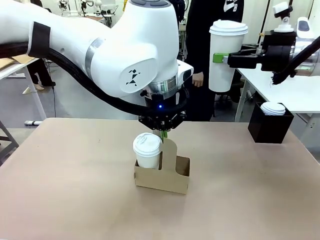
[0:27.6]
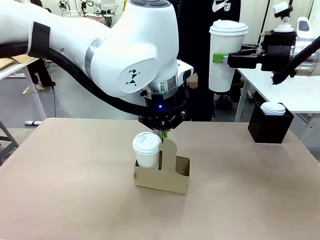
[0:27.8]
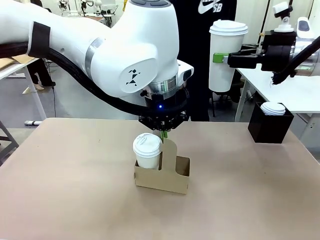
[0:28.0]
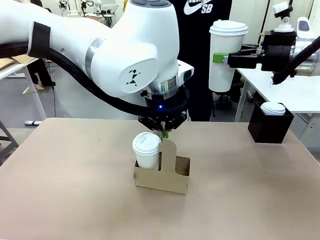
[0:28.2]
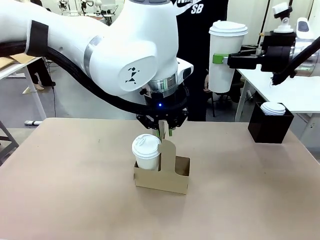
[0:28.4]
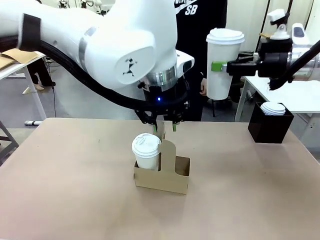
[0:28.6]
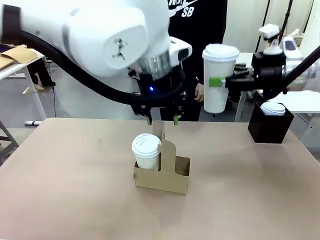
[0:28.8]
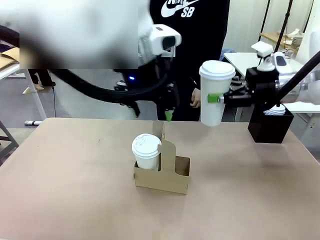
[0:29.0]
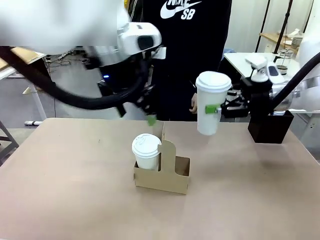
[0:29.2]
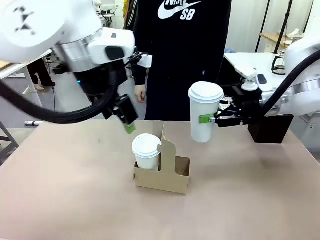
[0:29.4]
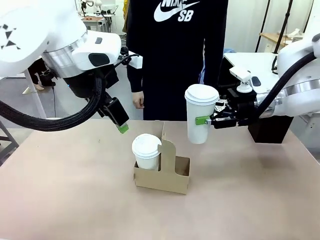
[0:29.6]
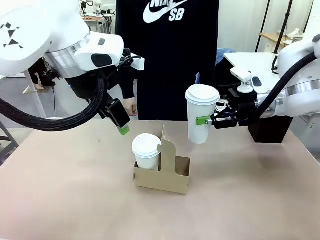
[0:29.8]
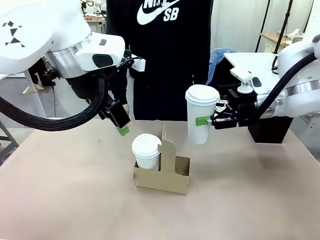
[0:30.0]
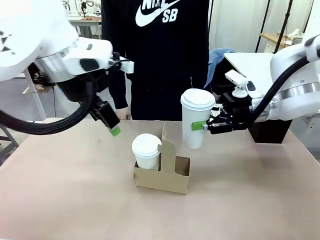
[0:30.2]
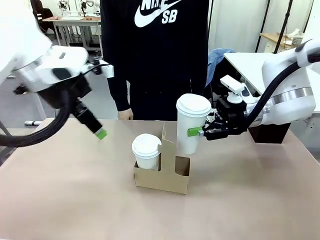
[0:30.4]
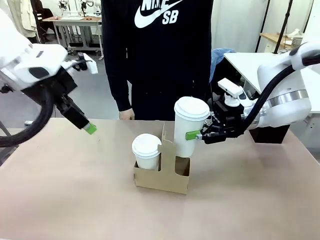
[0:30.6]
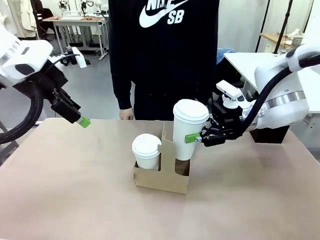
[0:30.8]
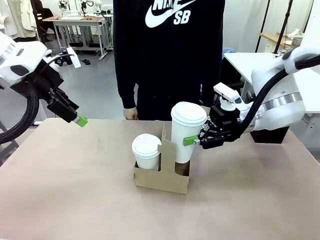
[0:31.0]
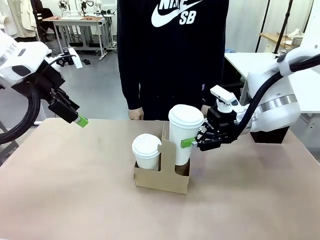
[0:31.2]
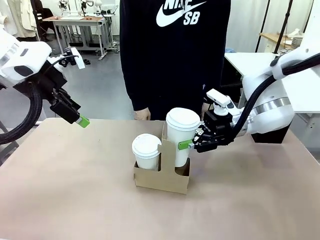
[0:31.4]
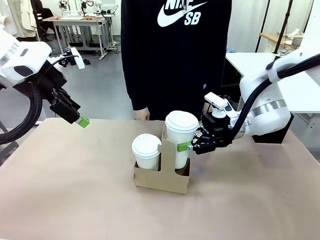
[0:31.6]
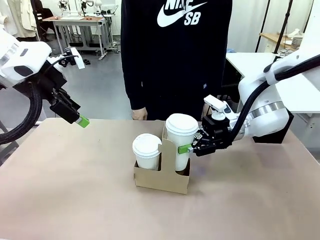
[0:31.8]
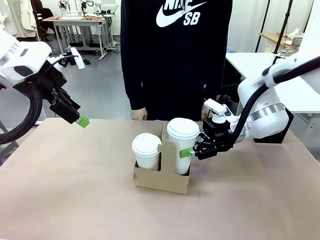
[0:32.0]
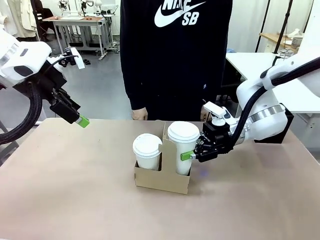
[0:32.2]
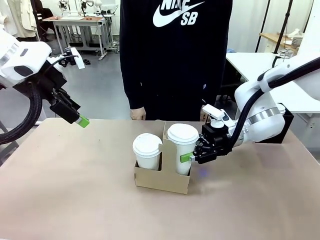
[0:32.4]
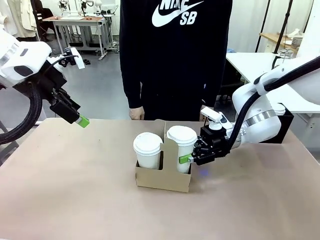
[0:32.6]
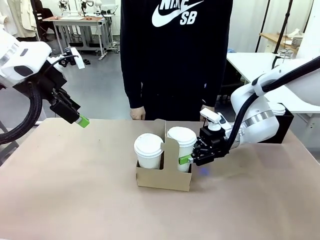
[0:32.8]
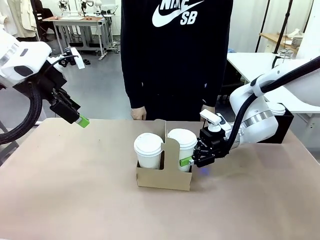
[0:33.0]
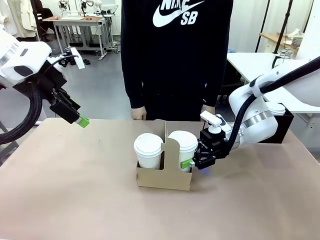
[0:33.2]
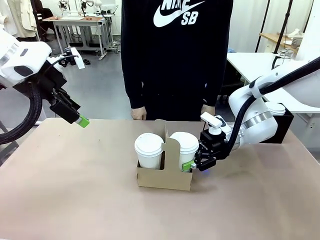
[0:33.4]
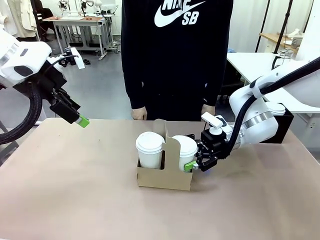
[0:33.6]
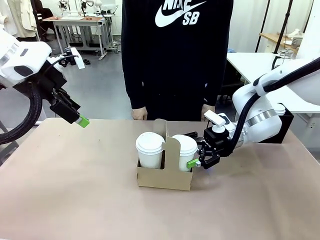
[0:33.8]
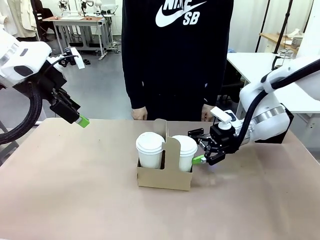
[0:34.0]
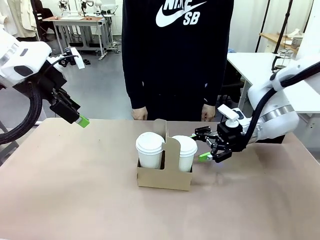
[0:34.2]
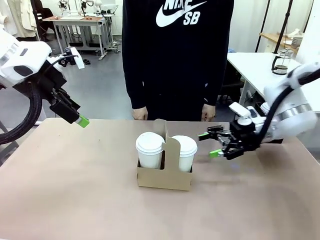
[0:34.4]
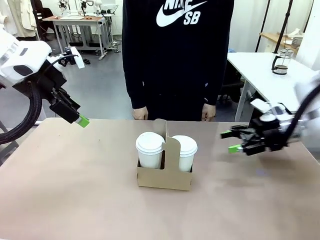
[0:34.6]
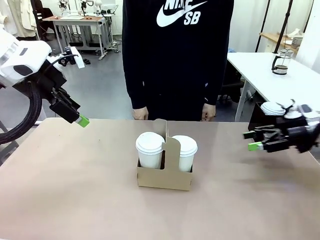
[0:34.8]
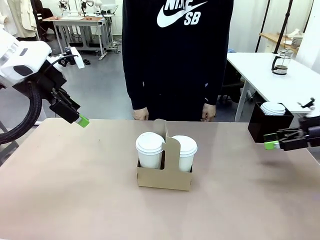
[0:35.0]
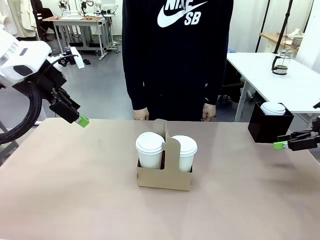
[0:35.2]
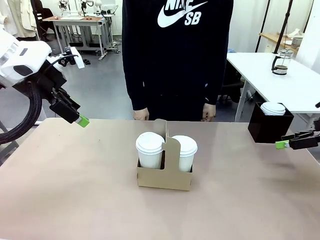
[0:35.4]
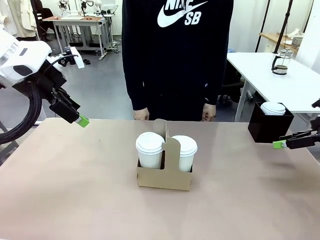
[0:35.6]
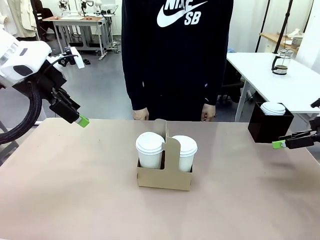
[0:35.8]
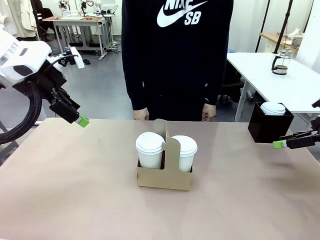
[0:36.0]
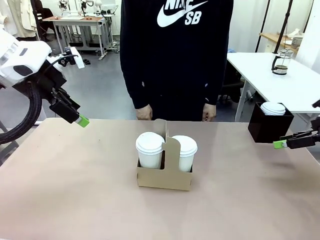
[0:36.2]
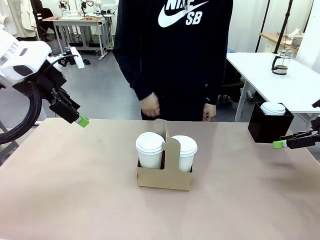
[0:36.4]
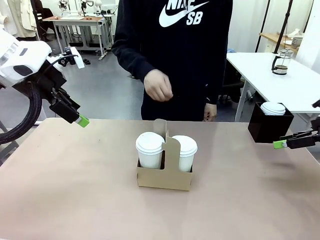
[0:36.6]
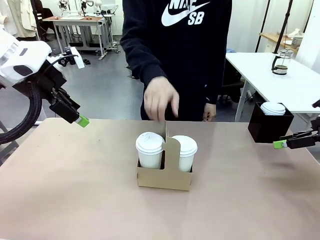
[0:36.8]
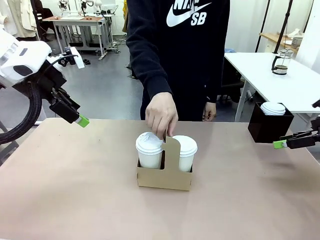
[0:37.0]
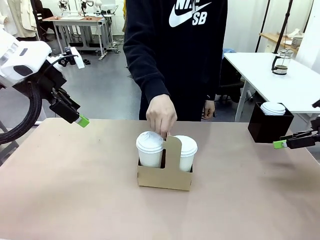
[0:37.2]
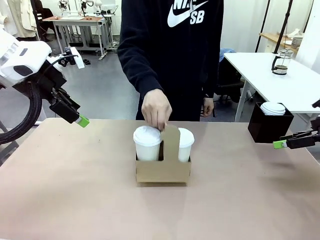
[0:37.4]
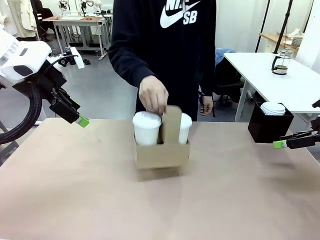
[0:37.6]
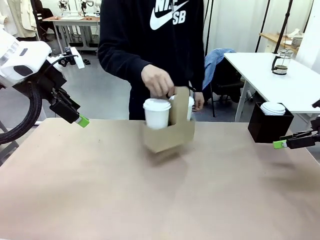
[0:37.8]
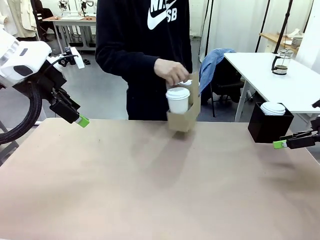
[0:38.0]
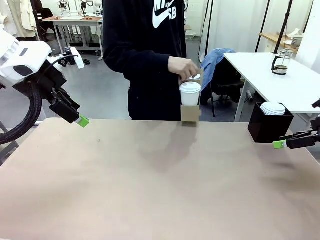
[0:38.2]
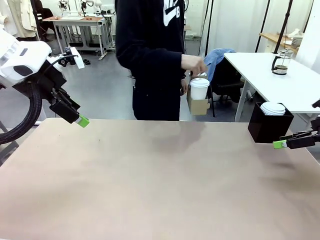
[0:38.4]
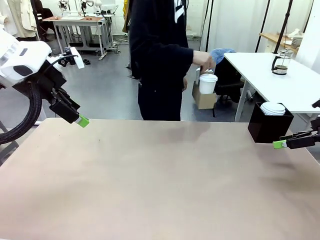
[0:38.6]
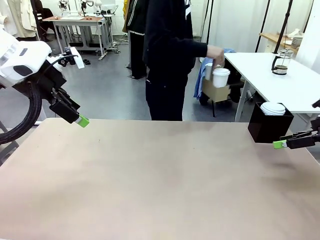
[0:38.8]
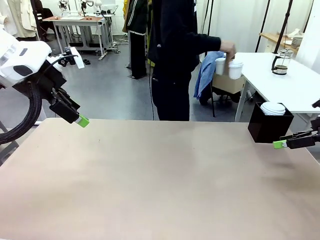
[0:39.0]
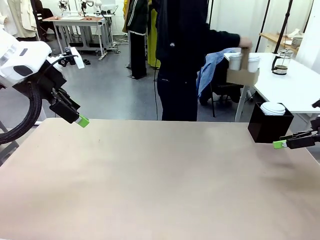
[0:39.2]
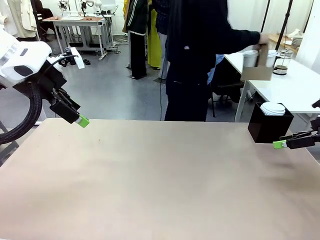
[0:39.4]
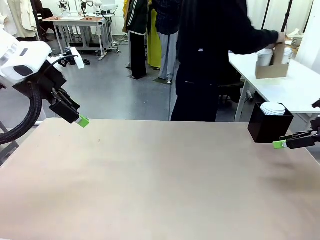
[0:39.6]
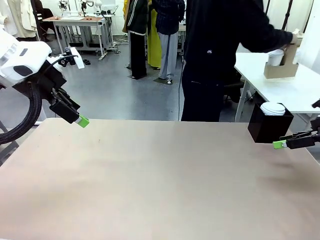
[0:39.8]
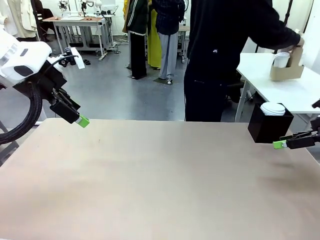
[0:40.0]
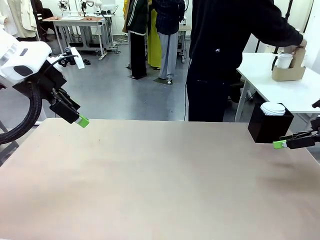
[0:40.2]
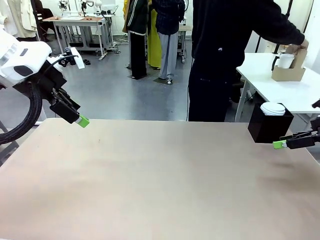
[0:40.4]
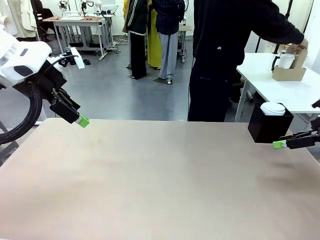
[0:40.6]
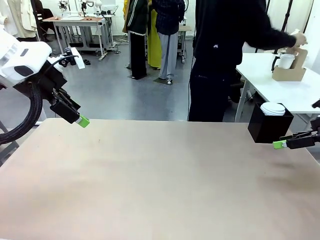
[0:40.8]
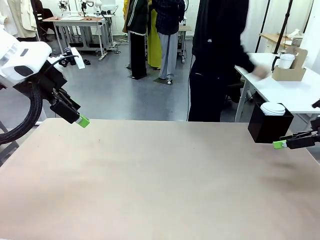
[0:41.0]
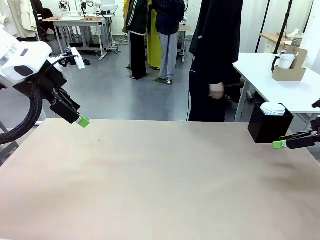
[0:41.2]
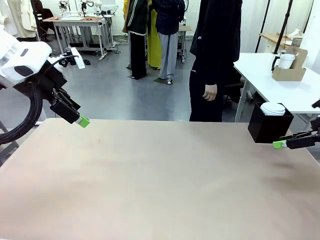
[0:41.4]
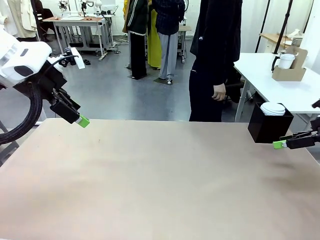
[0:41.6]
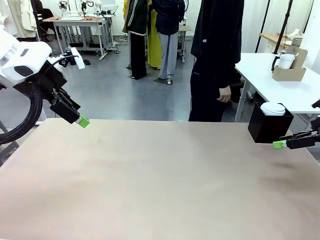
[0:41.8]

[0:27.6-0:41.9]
Task: Pour a drink into a cup and package it in a carrier.
Robot: Insert the held 600 ml Paper Cup into the Cup Carrier.
Person: Place the Cup Carrier to the middle of Human table.
